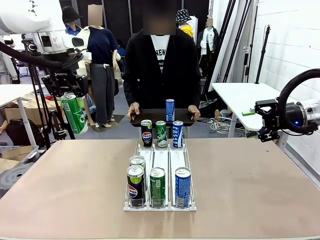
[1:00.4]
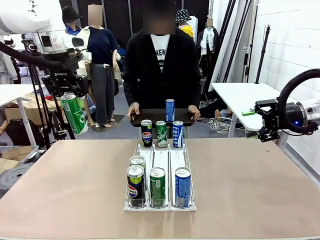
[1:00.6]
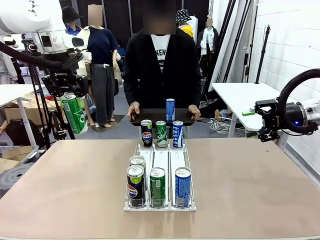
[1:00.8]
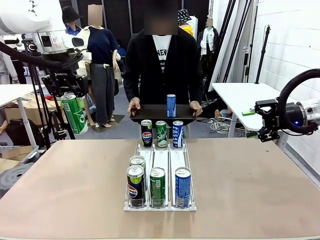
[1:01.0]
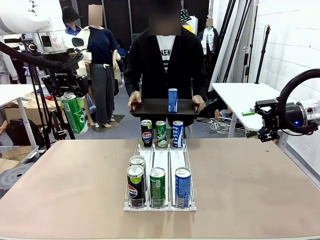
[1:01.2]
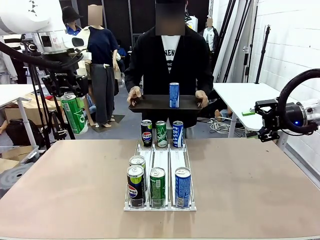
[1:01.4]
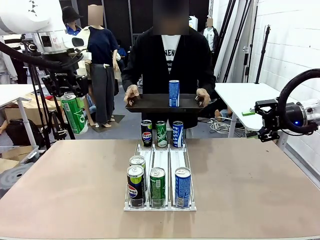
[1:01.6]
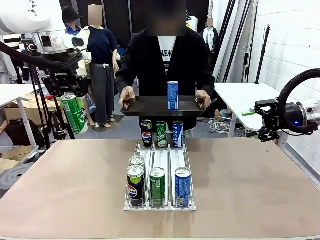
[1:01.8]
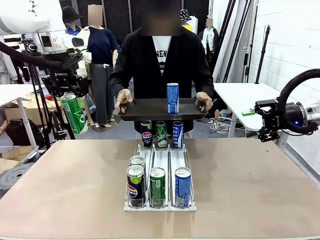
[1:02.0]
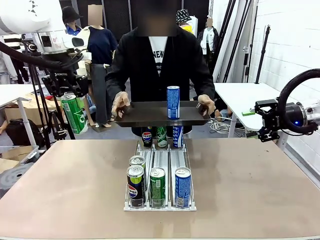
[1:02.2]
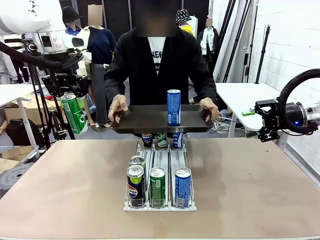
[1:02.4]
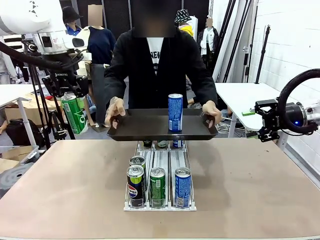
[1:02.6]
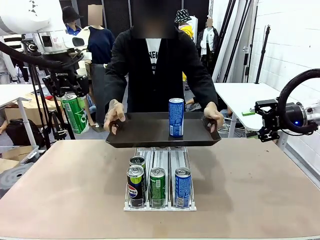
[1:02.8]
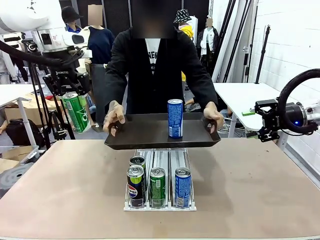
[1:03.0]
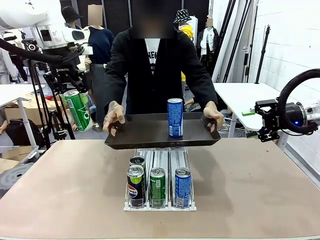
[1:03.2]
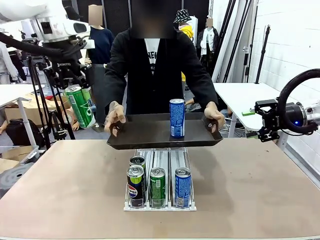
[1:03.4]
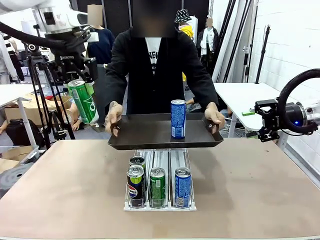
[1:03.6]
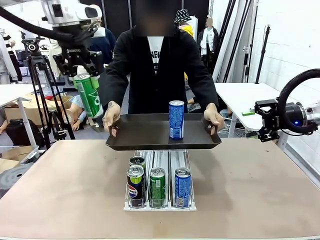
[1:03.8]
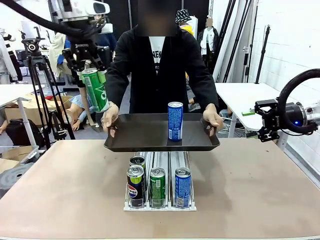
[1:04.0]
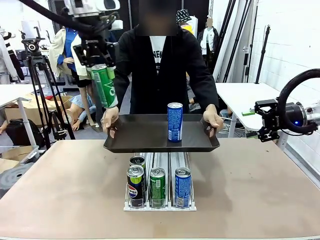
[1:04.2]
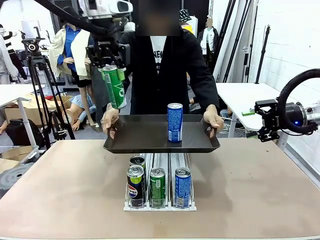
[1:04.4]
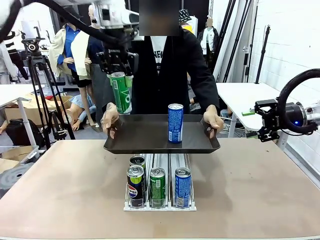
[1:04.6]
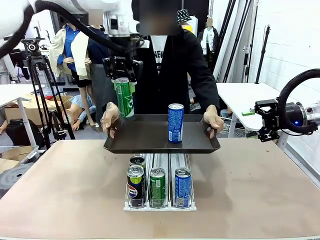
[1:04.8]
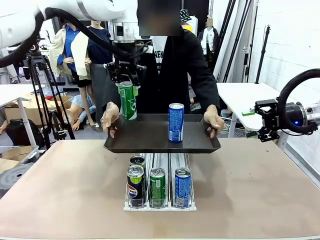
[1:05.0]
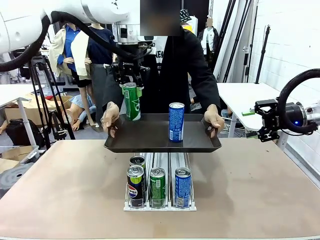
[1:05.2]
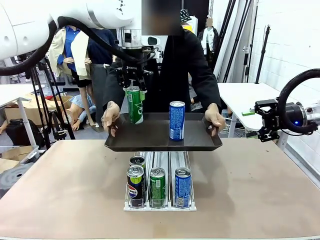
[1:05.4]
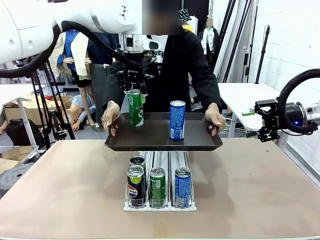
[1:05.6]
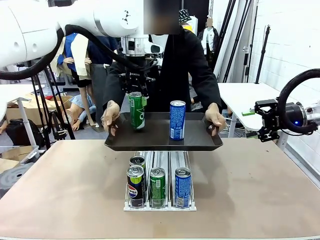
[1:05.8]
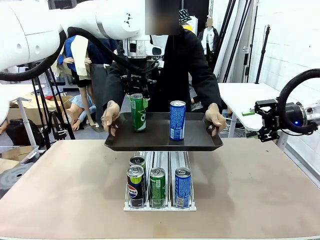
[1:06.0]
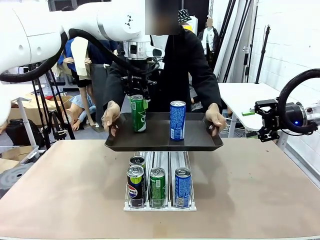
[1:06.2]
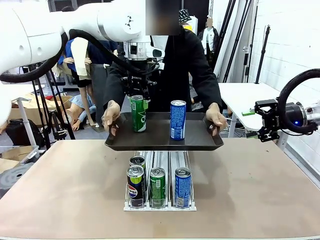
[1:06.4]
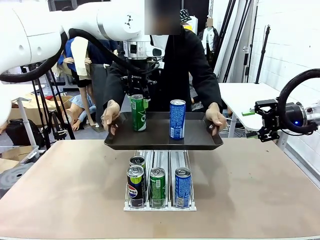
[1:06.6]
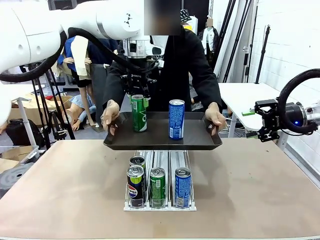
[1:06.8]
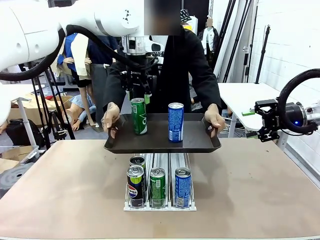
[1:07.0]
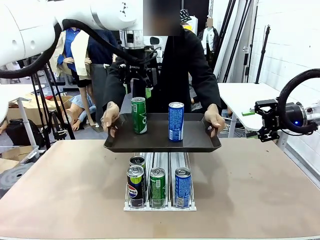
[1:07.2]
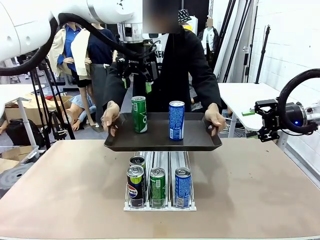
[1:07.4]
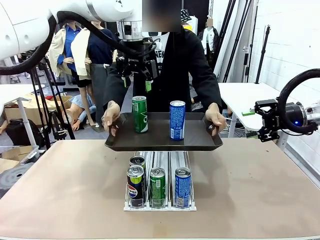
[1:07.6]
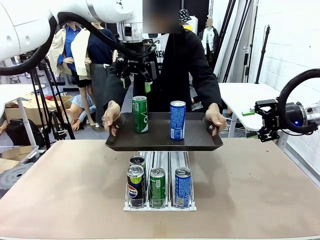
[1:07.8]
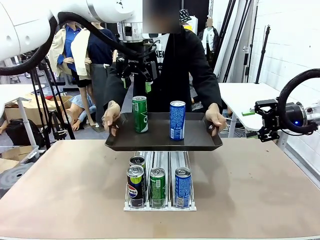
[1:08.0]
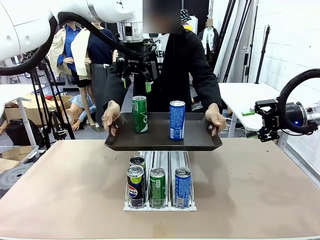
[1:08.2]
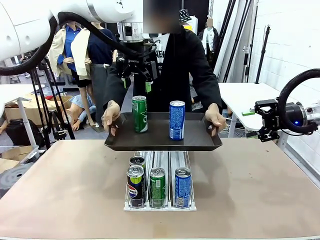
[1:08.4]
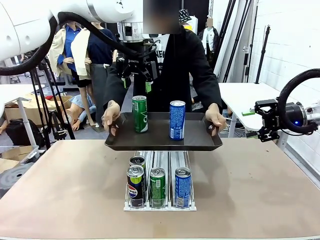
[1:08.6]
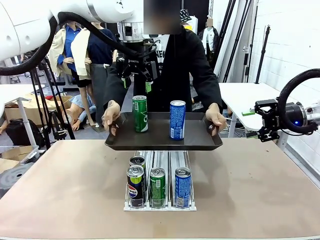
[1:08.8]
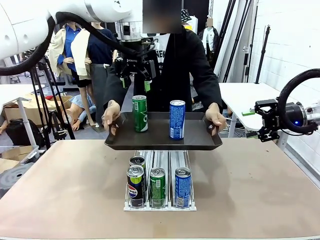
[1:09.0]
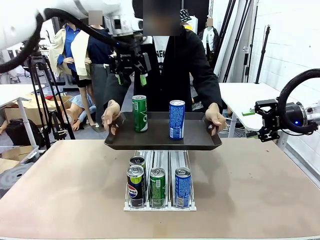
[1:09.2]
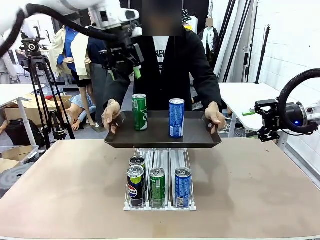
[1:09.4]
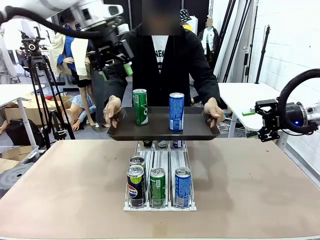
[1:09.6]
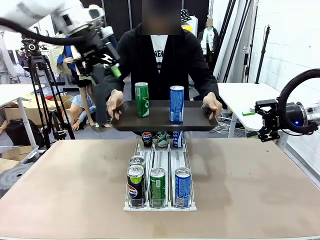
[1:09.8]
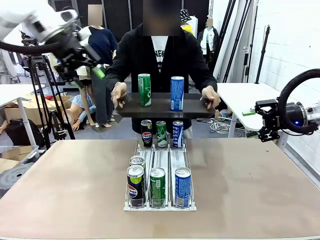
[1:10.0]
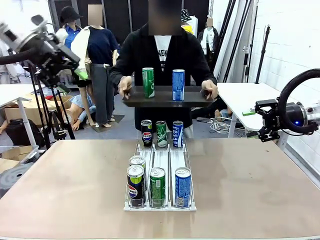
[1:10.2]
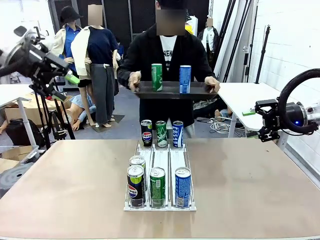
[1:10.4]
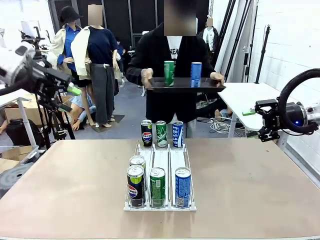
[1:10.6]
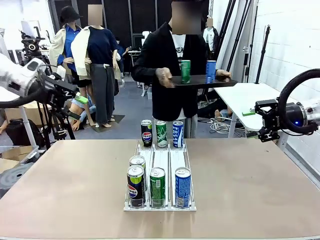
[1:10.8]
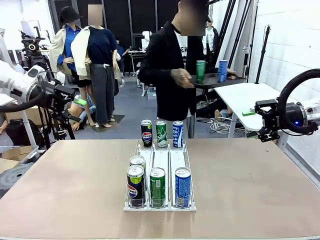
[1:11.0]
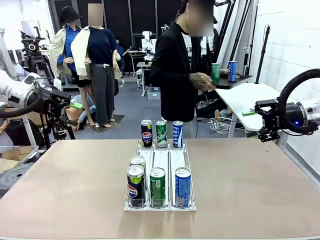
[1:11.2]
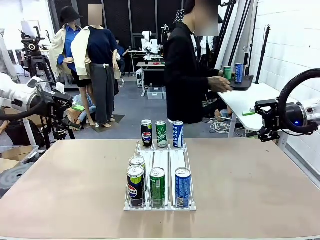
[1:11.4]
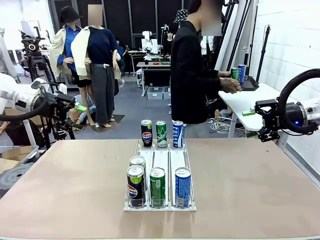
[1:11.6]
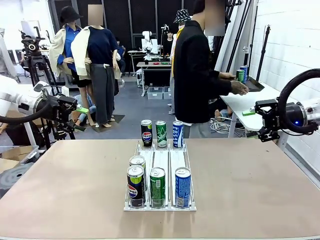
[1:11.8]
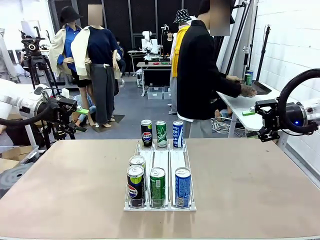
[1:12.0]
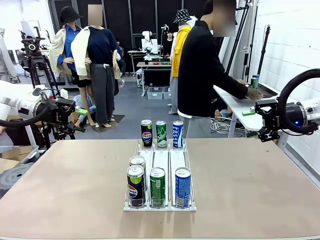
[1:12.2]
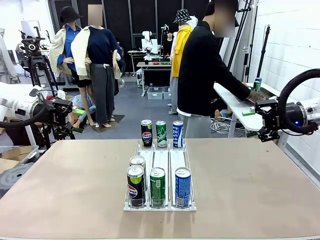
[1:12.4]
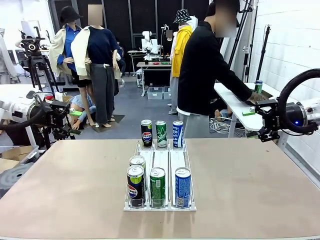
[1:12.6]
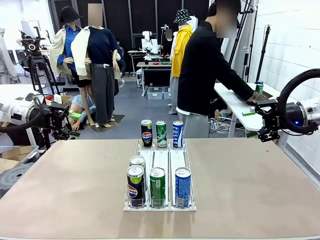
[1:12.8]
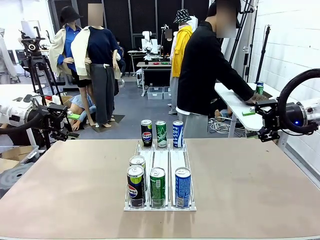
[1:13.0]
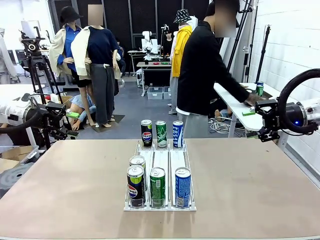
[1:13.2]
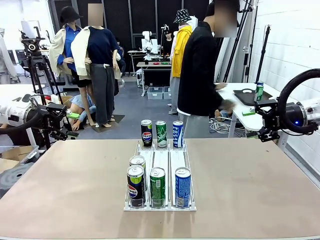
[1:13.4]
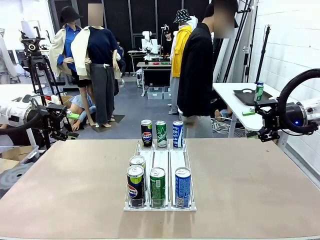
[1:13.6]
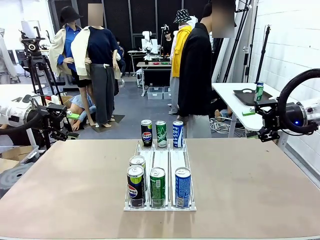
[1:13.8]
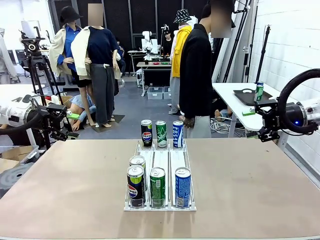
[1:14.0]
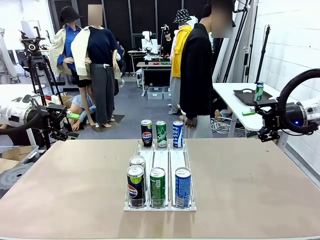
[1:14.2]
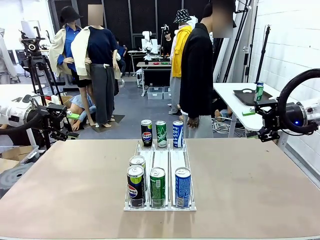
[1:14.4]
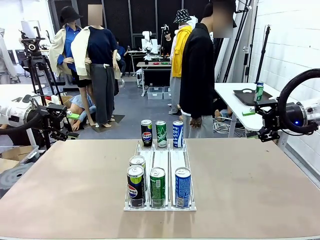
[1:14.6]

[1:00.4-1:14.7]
Task: Retrieve and hand over the desired beverage to the person.
Robot: Place the picked can on the Handle tray extended by the person.
Person: Pull the tray back and place it at the center of the human table.

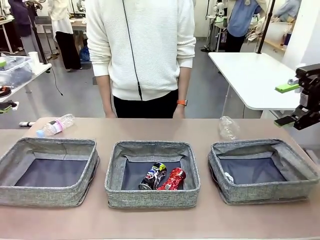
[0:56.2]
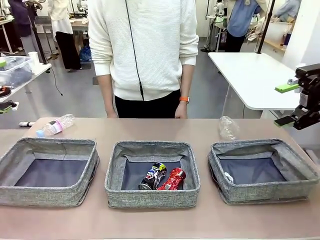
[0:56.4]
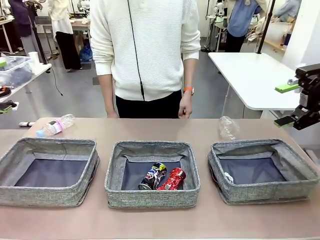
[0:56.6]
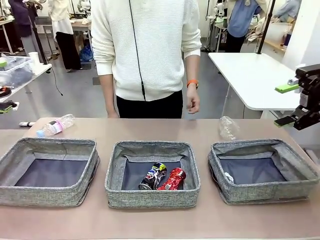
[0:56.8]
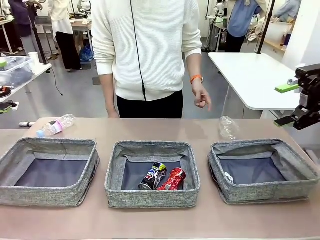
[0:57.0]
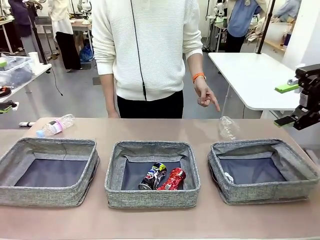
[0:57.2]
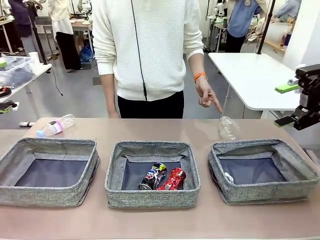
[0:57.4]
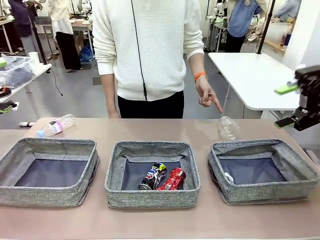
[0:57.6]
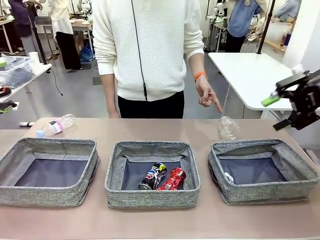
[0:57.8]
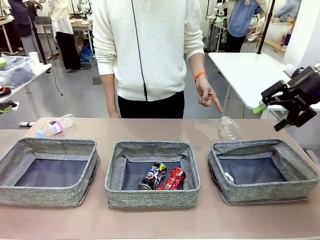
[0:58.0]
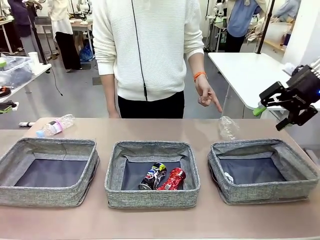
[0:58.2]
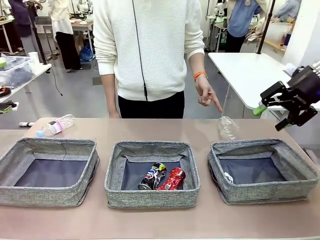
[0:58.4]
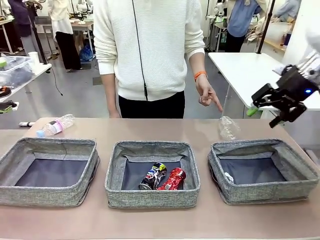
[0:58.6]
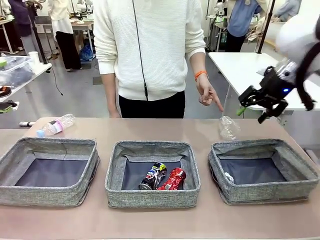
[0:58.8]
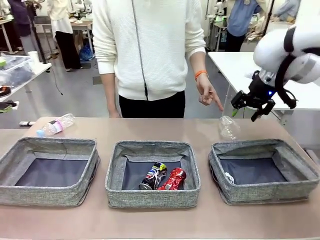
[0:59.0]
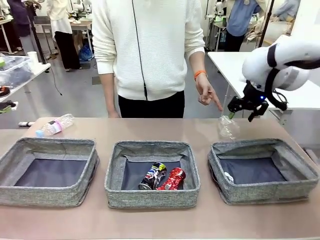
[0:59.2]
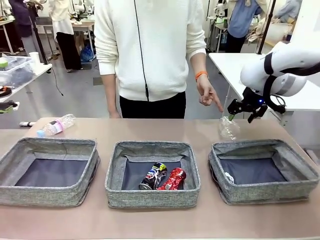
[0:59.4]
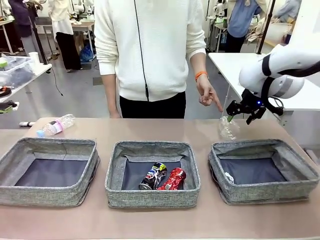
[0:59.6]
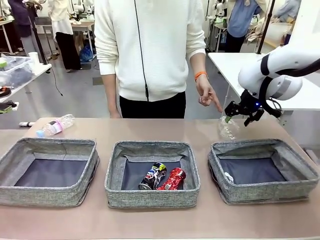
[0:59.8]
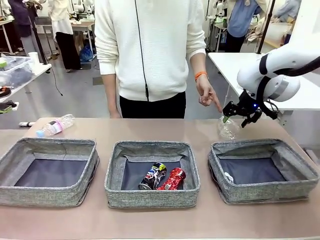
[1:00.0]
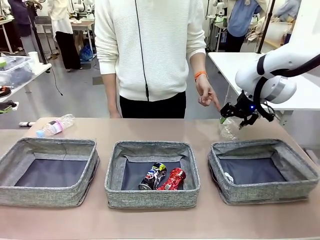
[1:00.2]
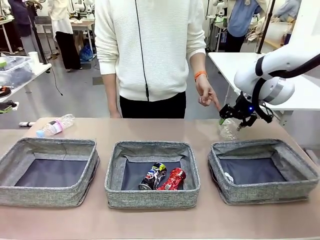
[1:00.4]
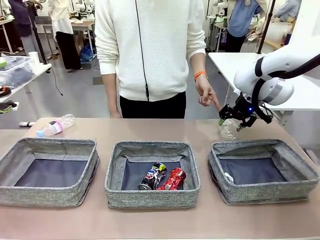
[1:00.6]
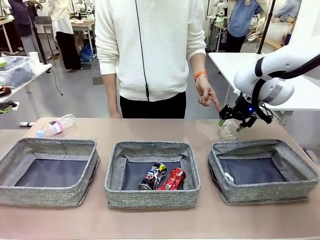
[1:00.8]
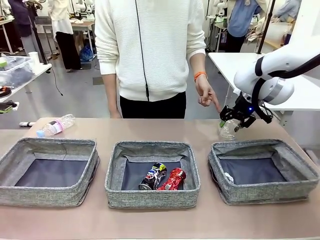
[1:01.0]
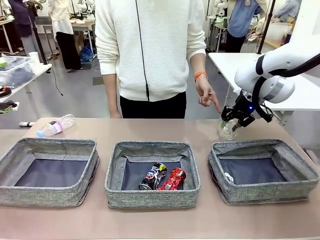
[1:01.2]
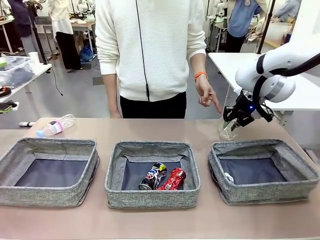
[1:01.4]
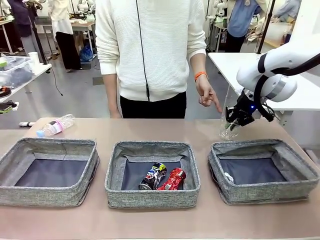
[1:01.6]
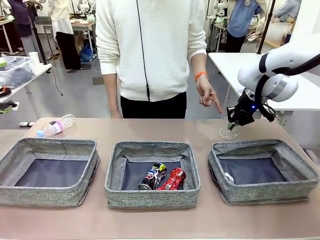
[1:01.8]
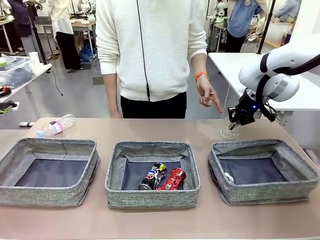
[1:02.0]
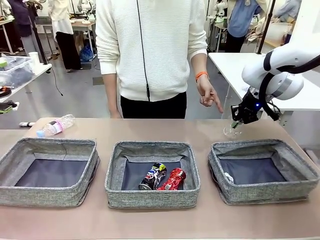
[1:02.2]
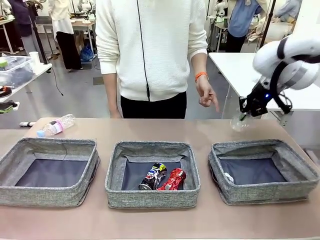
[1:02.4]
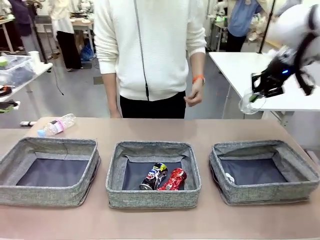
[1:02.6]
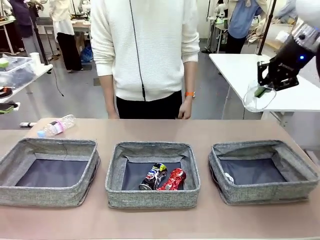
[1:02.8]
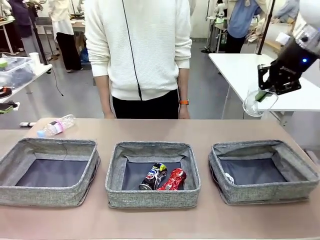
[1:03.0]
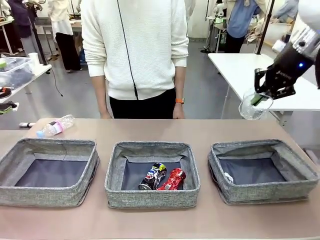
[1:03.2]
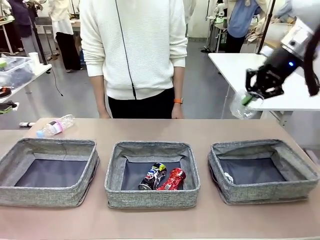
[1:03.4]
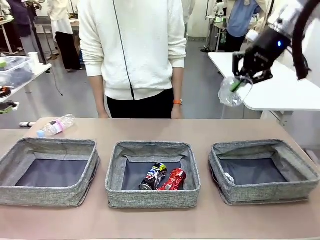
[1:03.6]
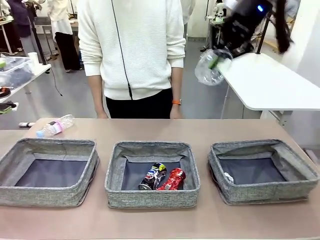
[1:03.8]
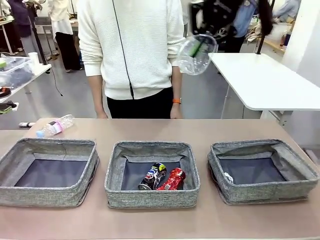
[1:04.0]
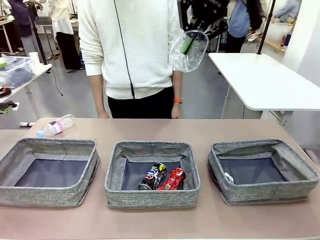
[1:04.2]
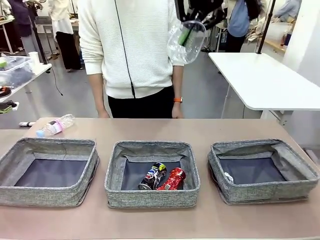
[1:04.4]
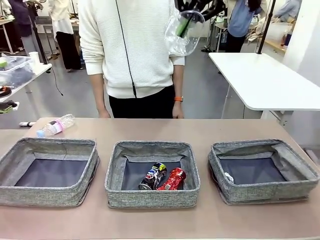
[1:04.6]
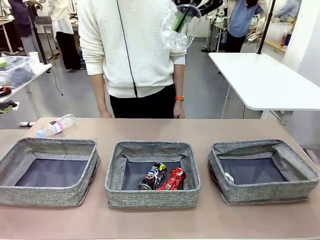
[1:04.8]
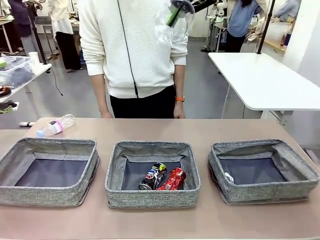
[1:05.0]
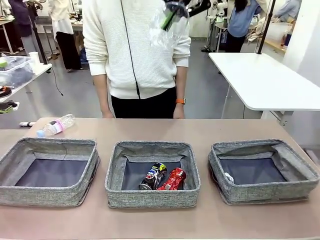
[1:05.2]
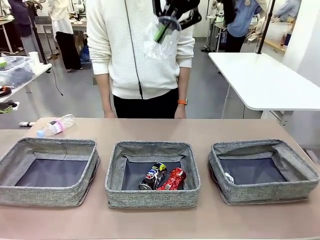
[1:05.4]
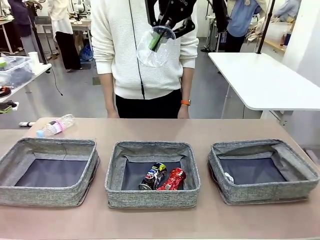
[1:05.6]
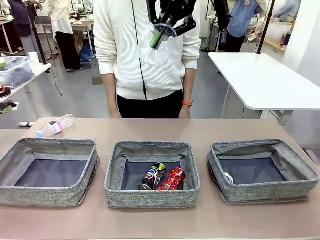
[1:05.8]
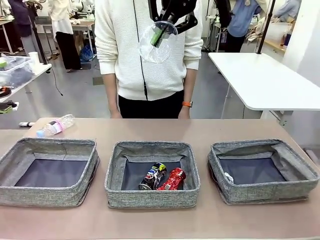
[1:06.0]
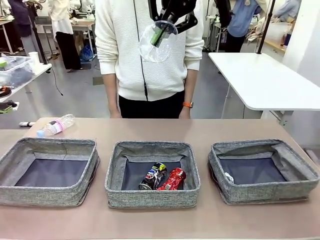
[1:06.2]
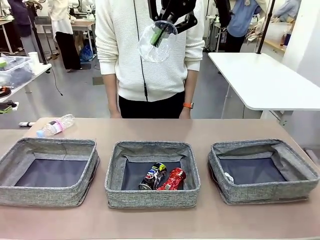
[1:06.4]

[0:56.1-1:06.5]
Task: Sort the waste into the appropriate baskets.
Robot: Pick up the waste item pointed out by the person.
Person: Points to one piece of trash on the table.
